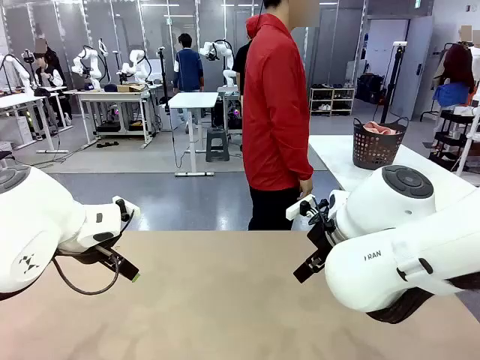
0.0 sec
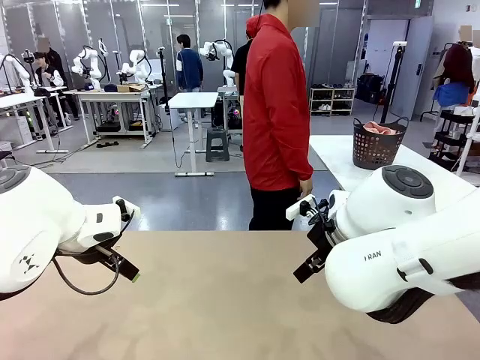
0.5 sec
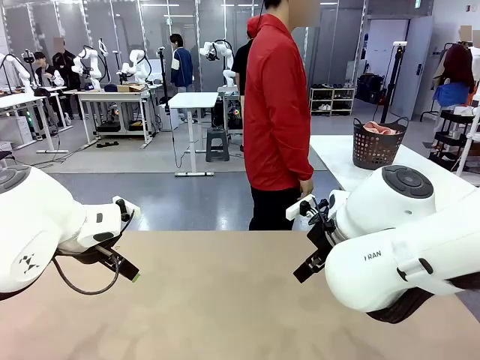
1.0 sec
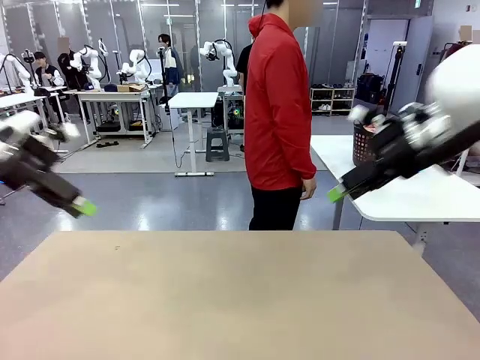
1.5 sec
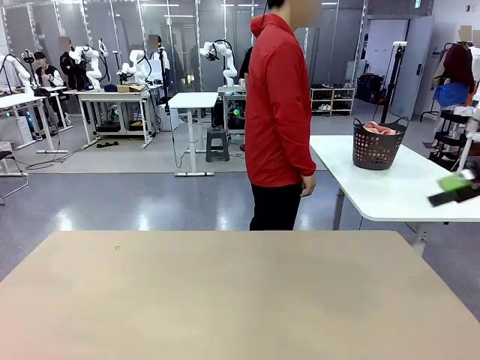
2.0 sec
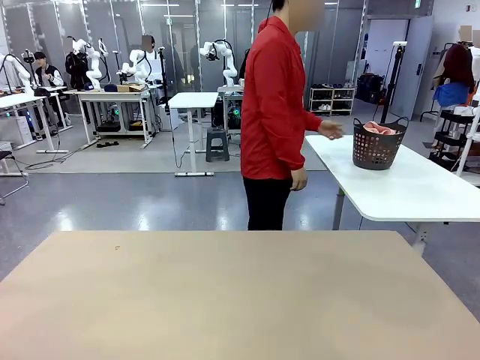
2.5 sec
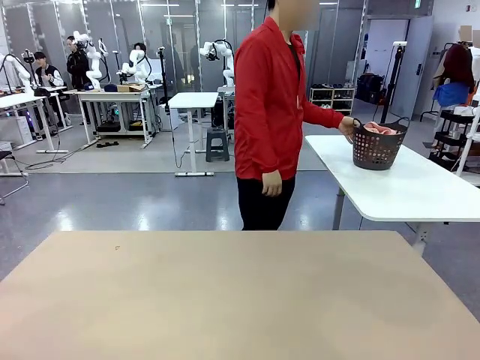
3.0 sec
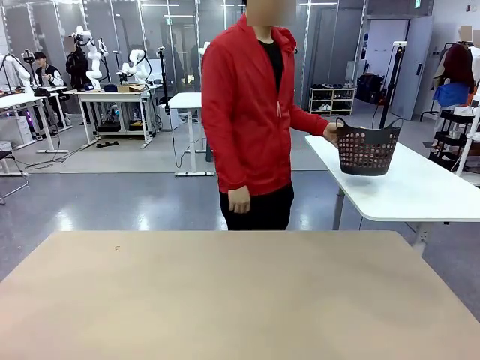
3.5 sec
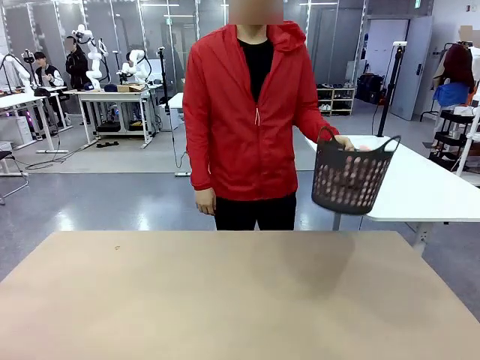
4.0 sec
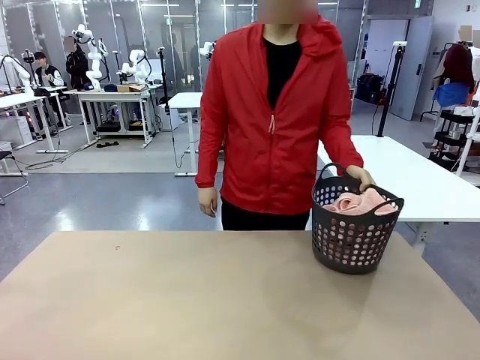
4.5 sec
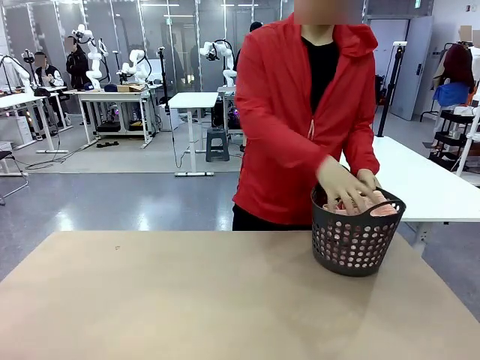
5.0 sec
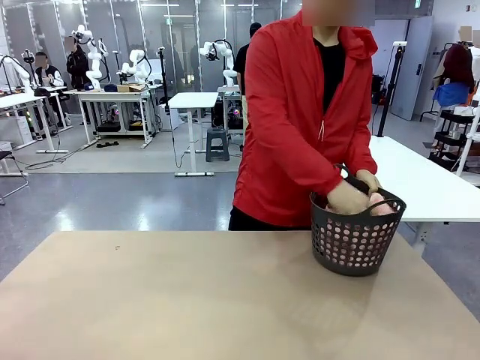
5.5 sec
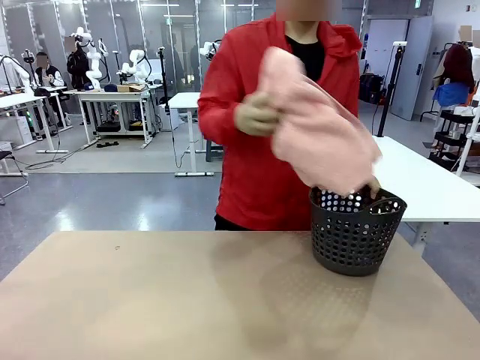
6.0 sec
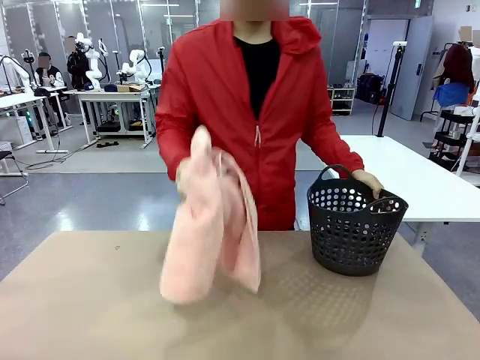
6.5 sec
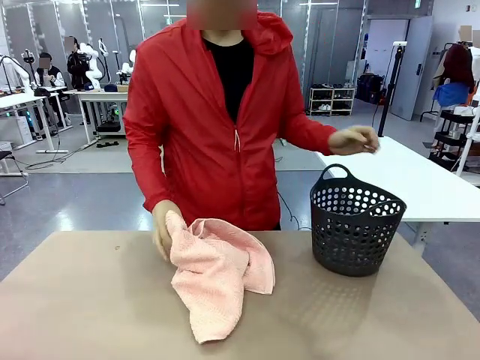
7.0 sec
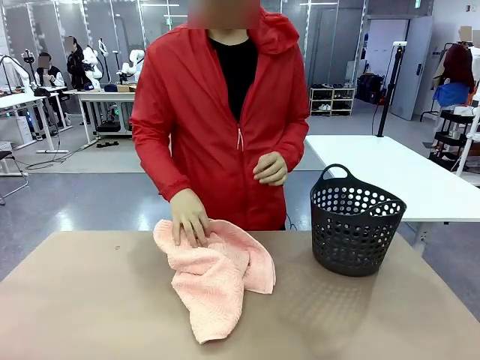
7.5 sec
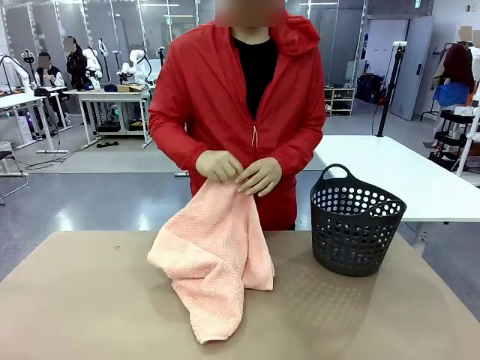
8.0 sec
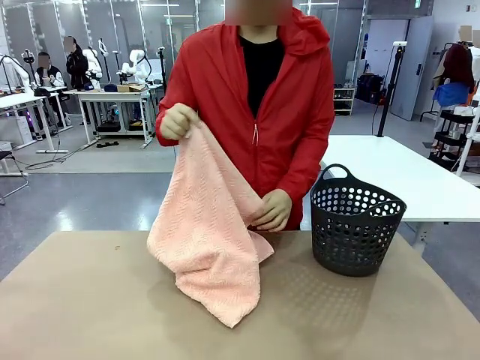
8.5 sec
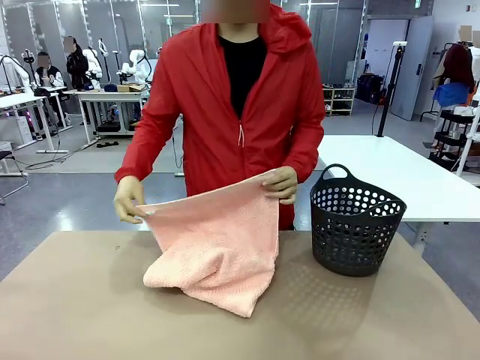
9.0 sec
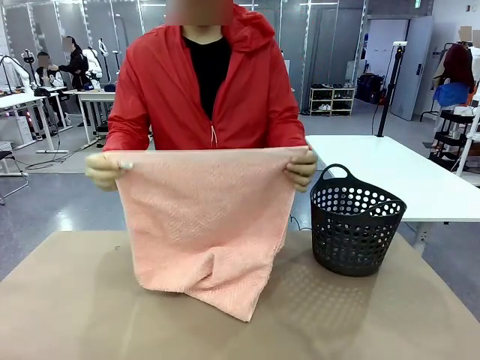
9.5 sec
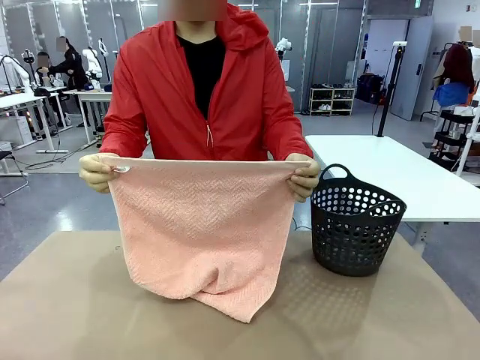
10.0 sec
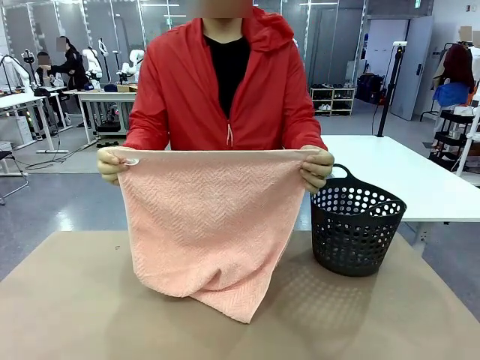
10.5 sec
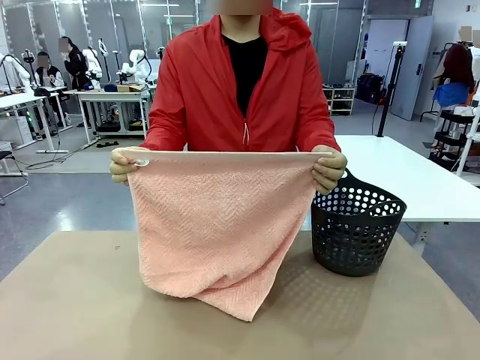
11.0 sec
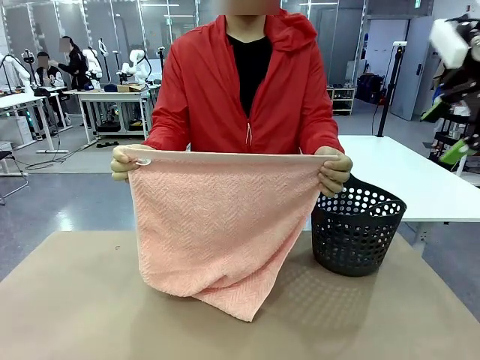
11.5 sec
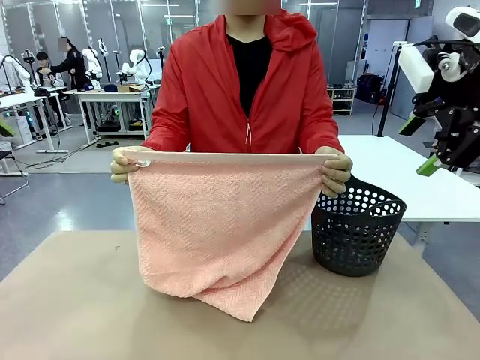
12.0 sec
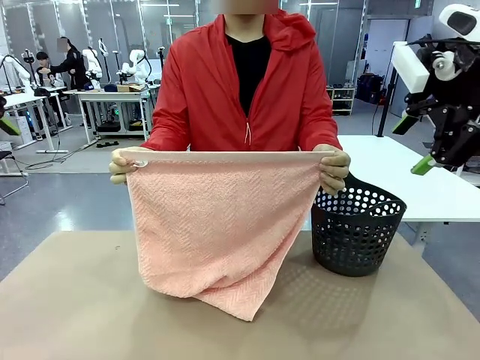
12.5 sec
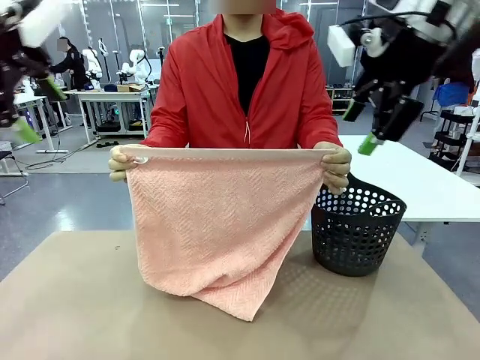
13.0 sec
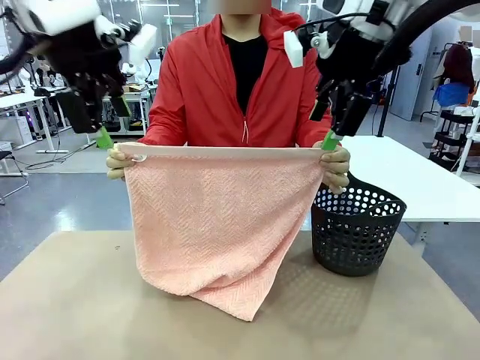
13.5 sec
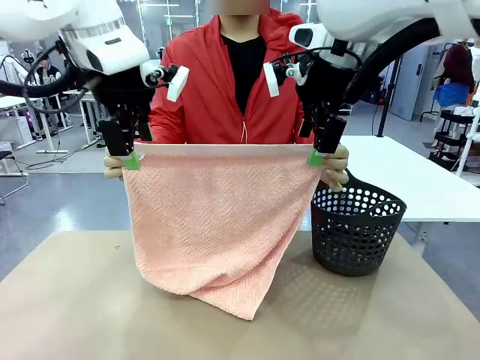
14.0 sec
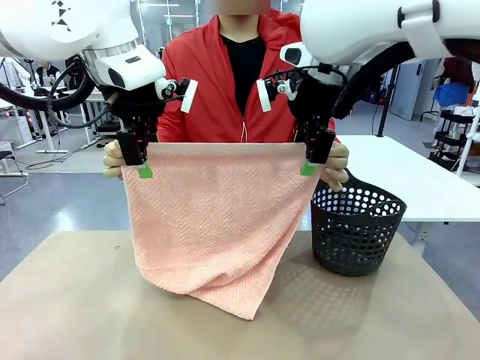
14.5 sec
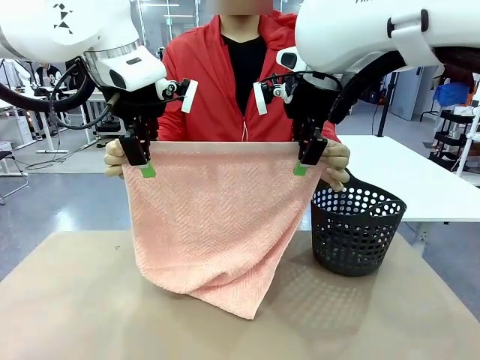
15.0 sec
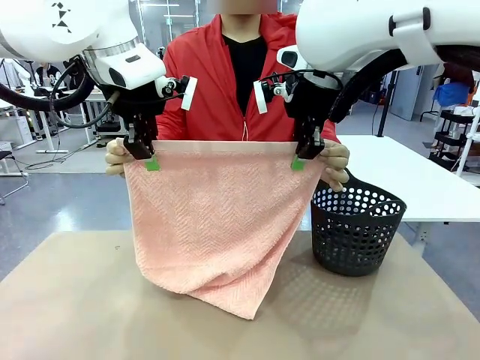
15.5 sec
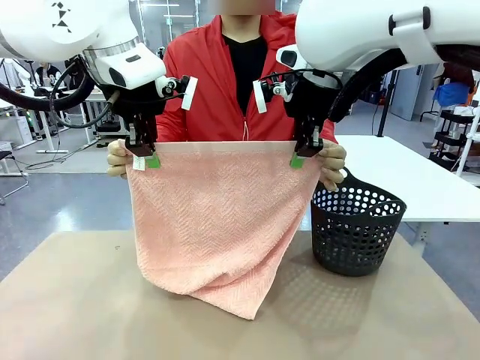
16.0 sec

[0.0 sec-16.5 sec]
Task: Fold the towel.
Robot: Grab the top end of the 100 cm Hotel Towel extended by the human.
Person: Pick up the laundry basket, place it on the left side of the robot table, then take out a towel and hand it to the robot while holding both corners of one end.

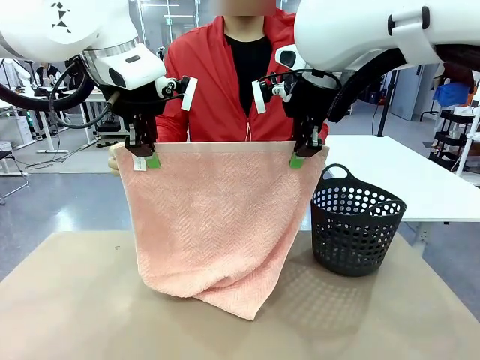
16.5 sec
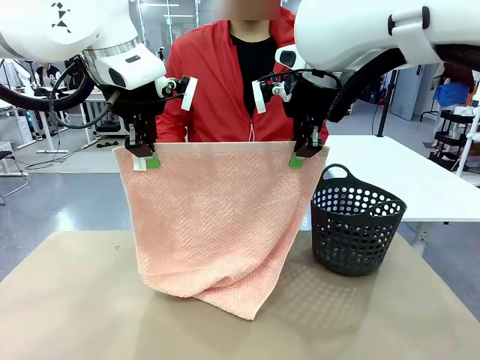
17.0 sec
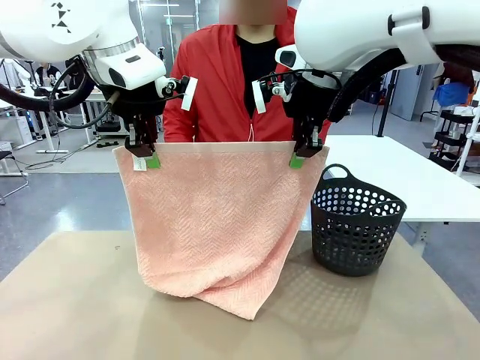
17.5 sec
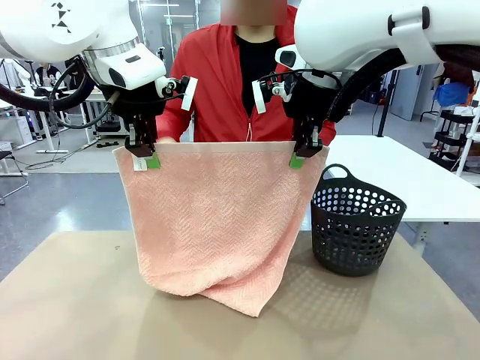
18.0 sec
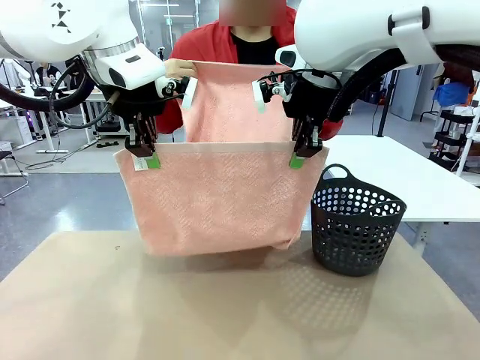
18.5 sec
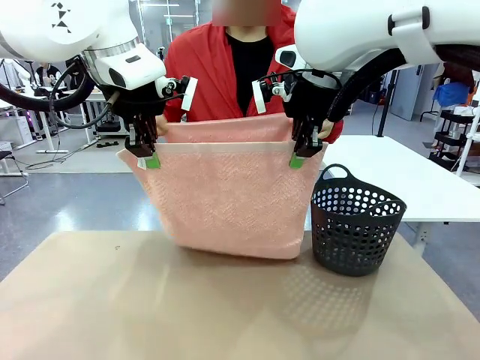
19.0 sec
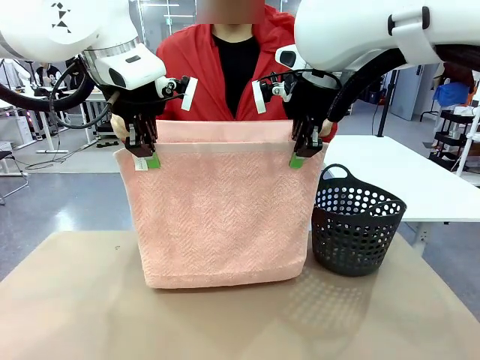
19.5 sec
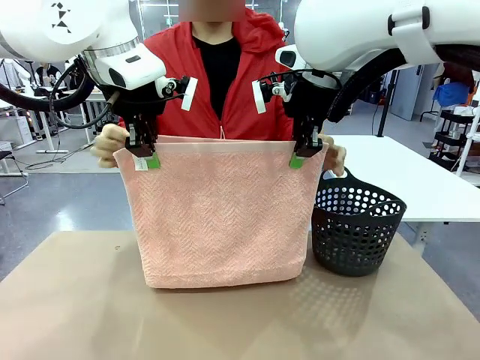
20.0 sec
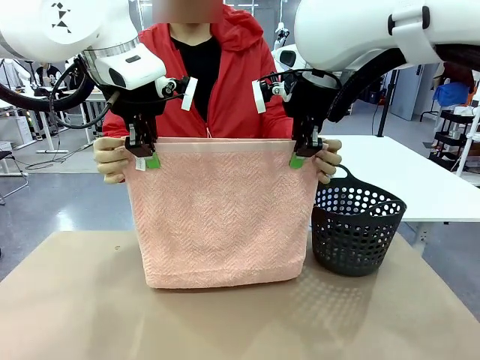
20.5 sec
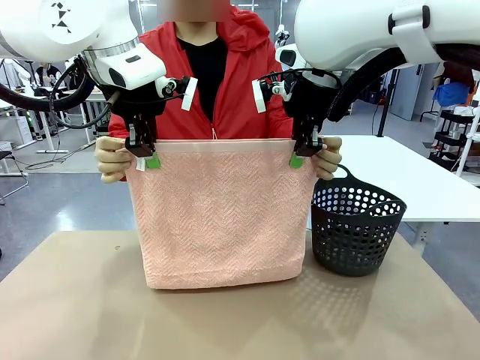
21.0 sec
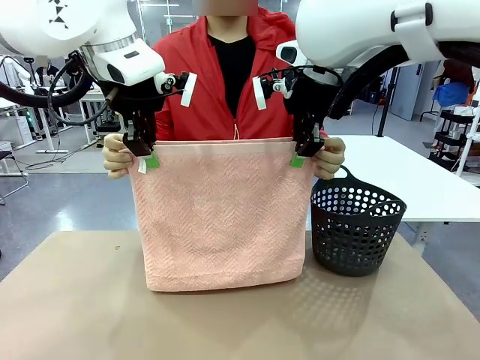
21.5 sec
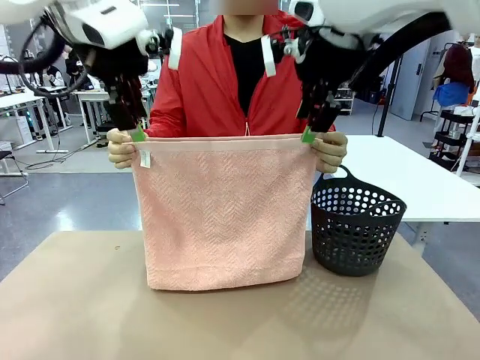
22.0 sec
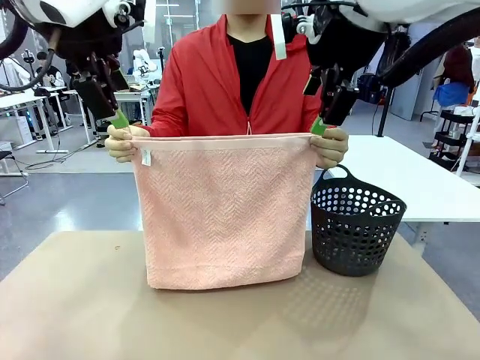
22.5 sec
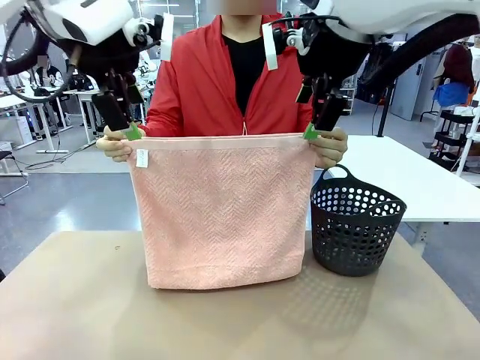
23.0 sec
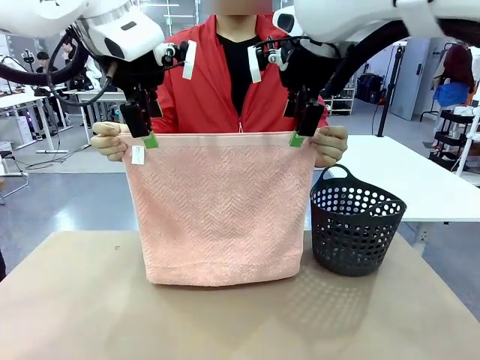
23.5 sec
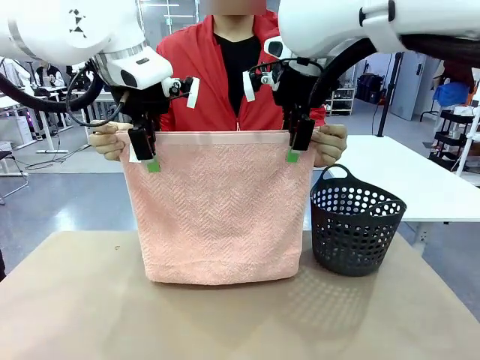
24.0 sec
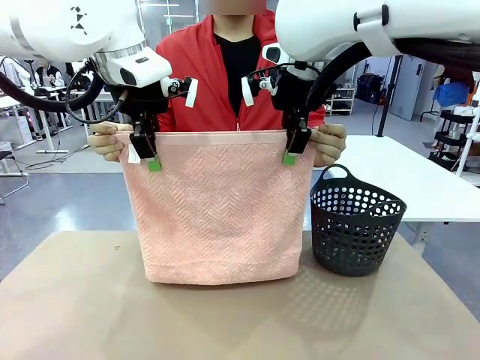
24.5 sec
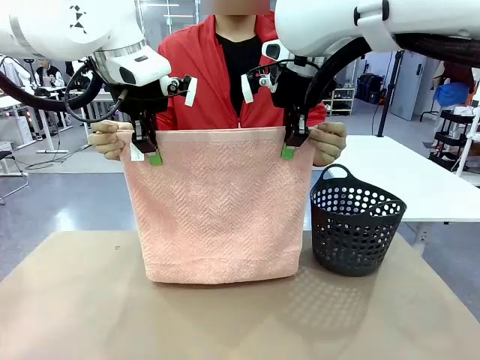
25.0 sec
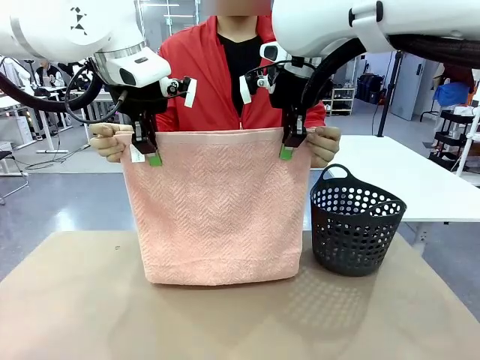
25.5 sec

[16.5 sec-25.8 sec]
Robot: Release the end of the 100 cm Hotel Towel you were holding and grab the top end of the folded side.
